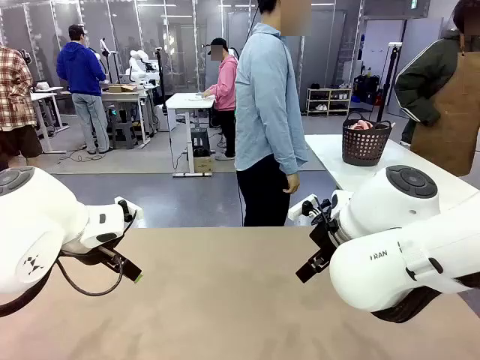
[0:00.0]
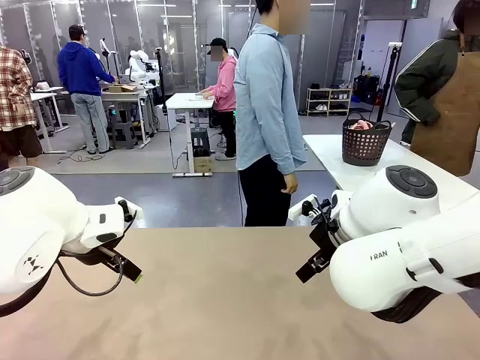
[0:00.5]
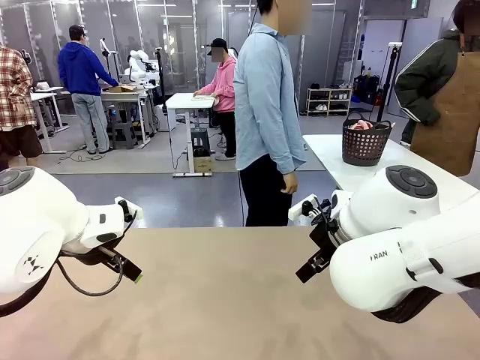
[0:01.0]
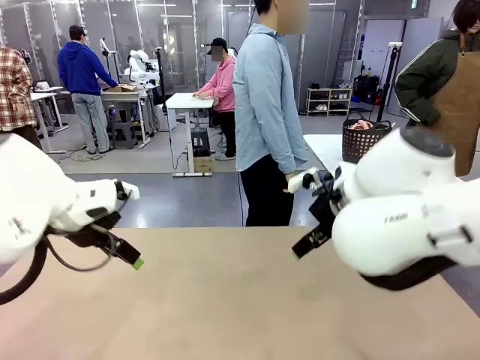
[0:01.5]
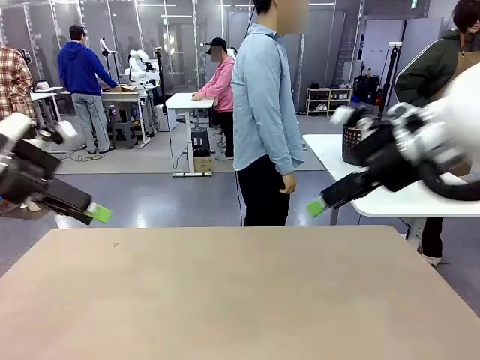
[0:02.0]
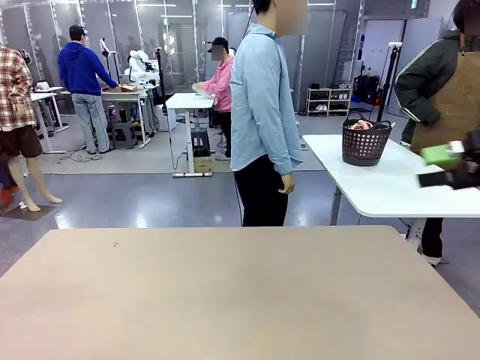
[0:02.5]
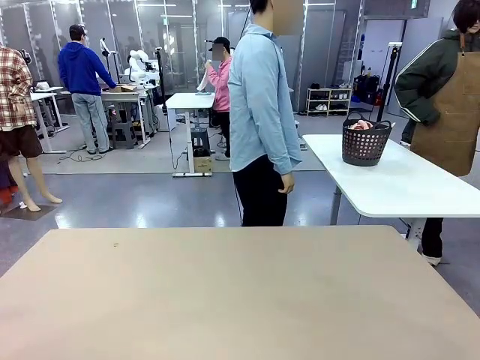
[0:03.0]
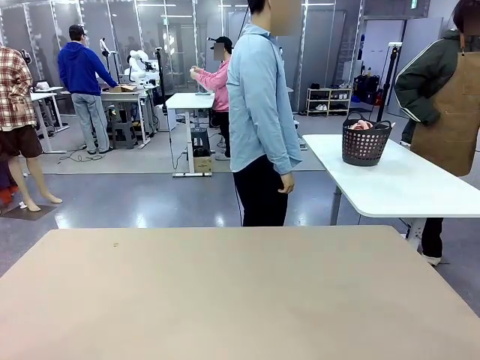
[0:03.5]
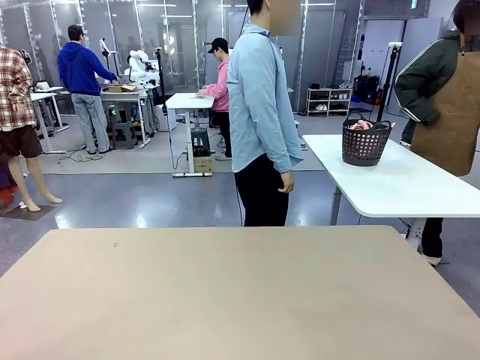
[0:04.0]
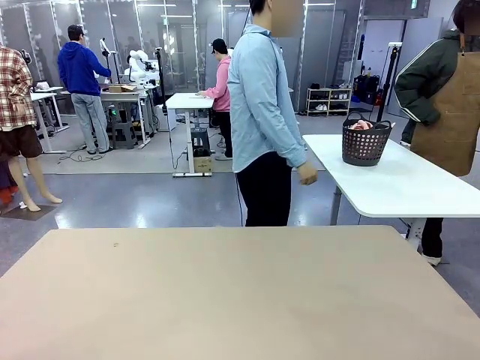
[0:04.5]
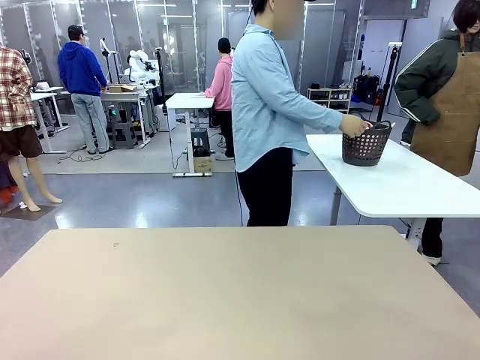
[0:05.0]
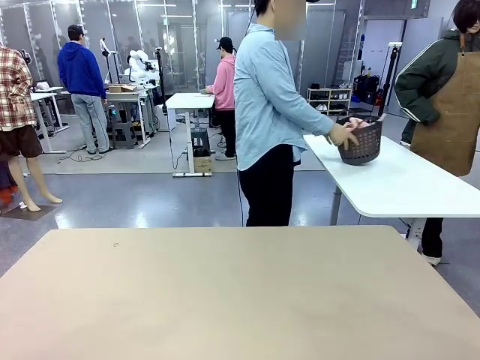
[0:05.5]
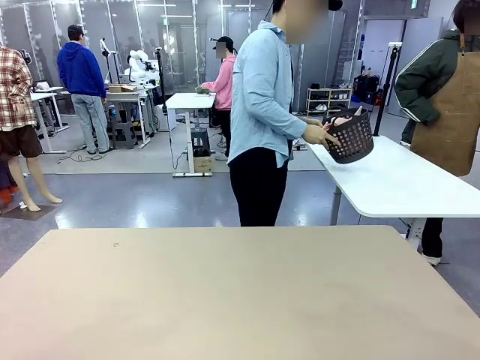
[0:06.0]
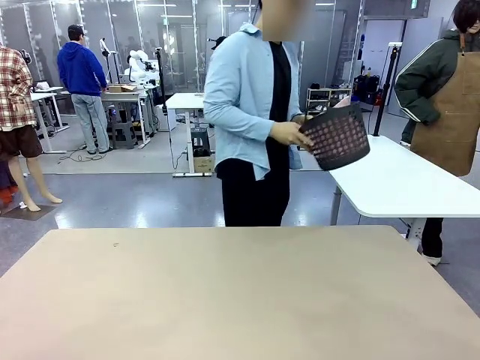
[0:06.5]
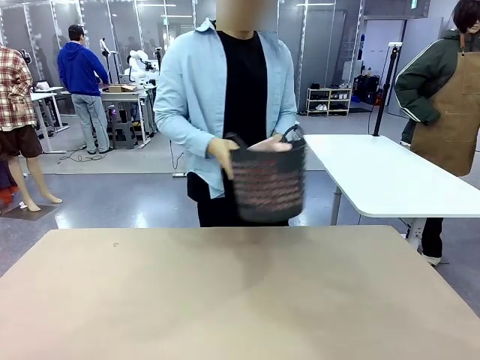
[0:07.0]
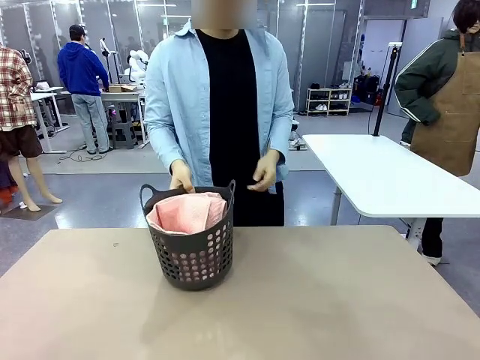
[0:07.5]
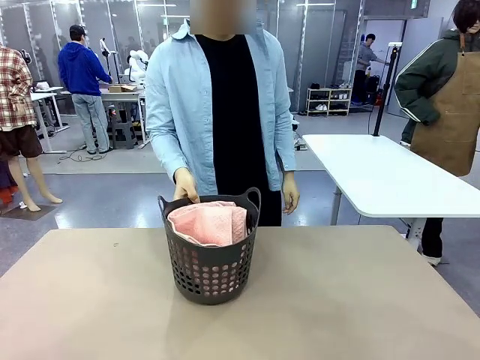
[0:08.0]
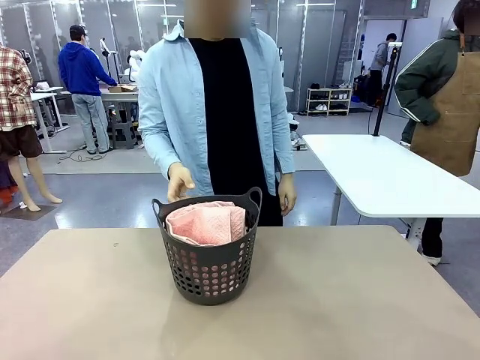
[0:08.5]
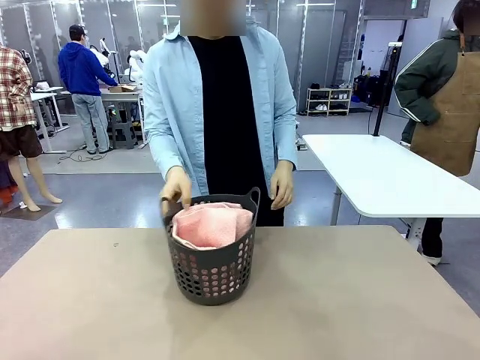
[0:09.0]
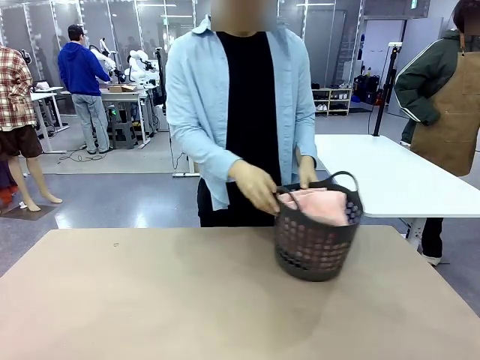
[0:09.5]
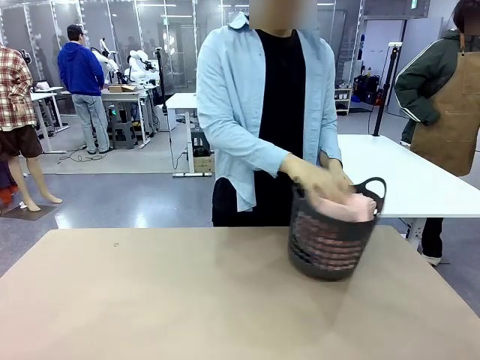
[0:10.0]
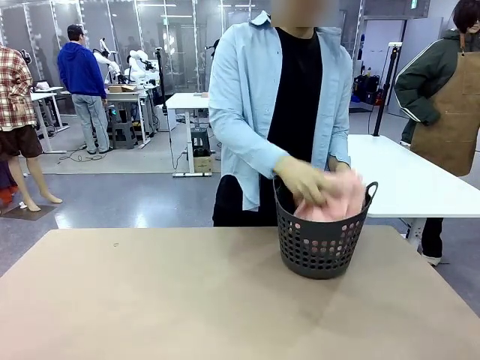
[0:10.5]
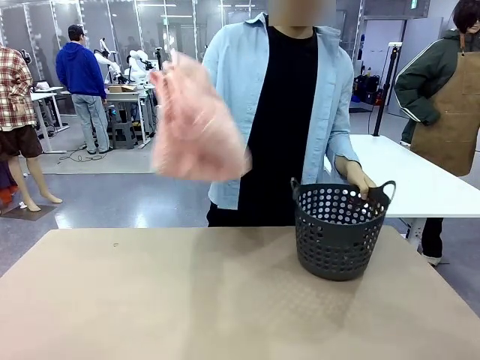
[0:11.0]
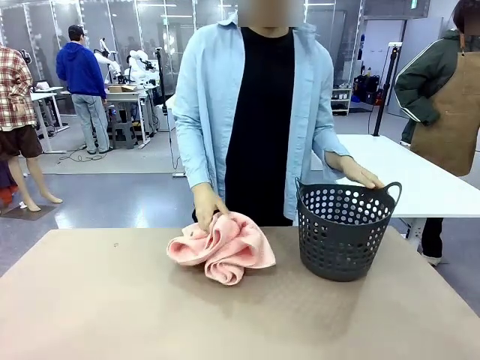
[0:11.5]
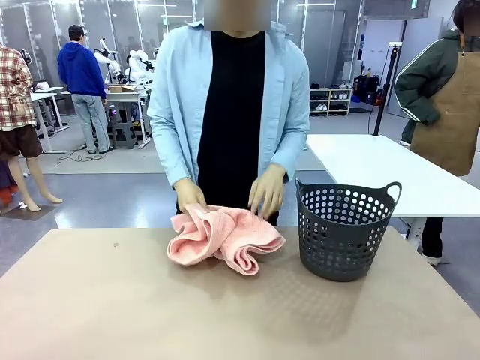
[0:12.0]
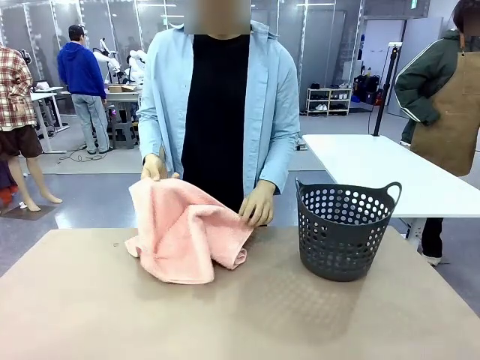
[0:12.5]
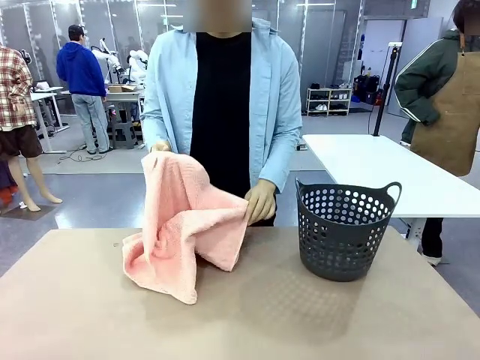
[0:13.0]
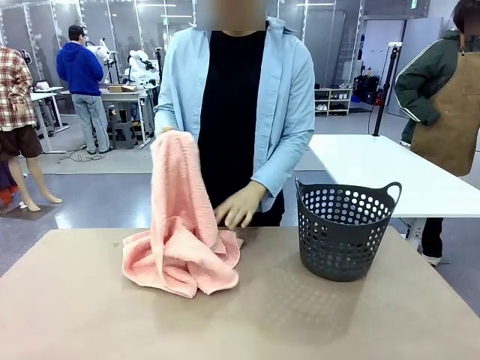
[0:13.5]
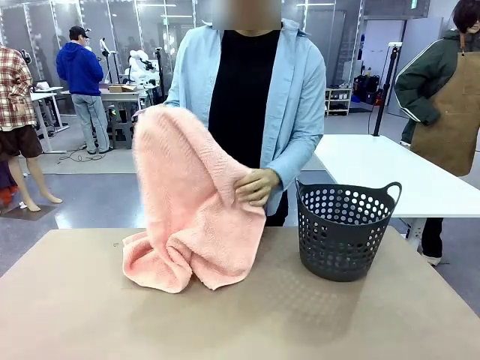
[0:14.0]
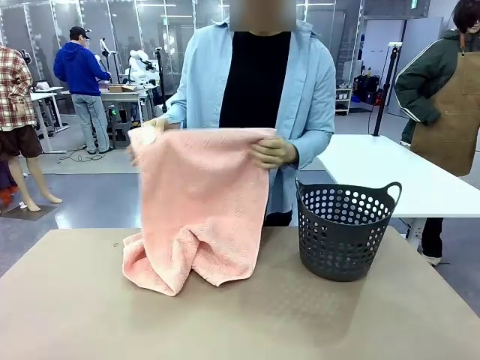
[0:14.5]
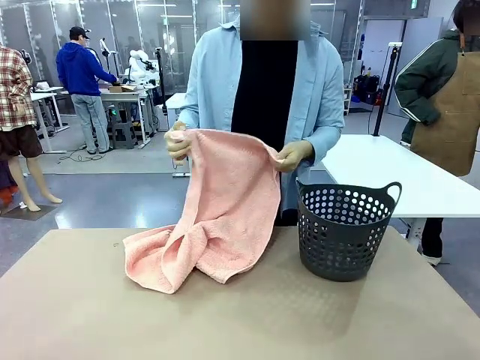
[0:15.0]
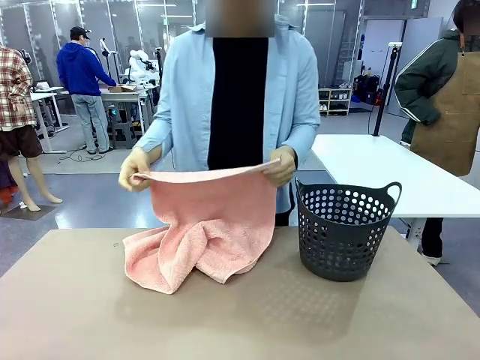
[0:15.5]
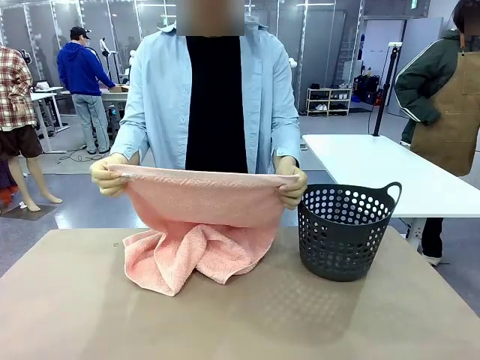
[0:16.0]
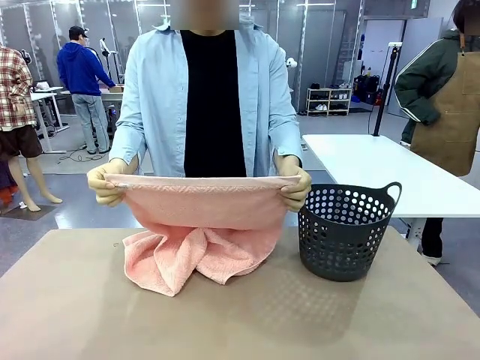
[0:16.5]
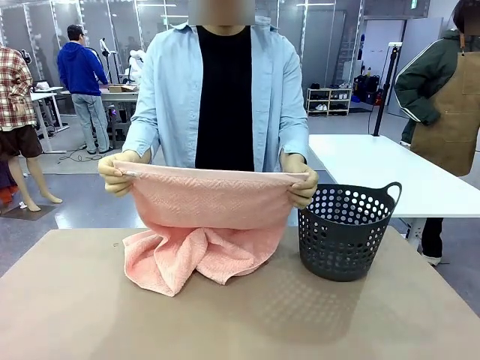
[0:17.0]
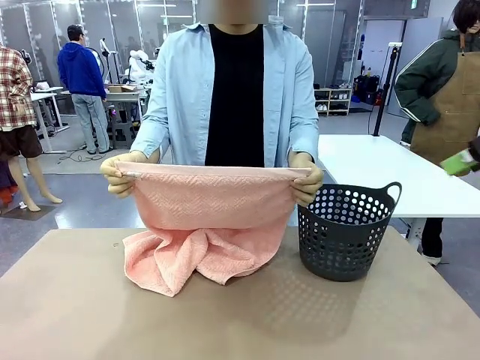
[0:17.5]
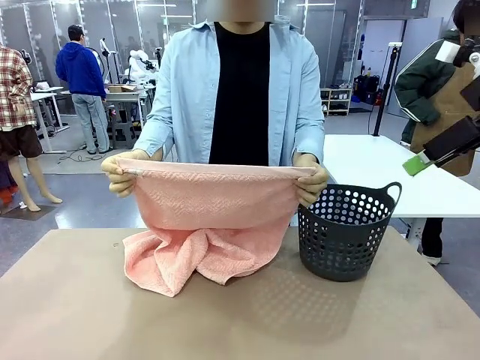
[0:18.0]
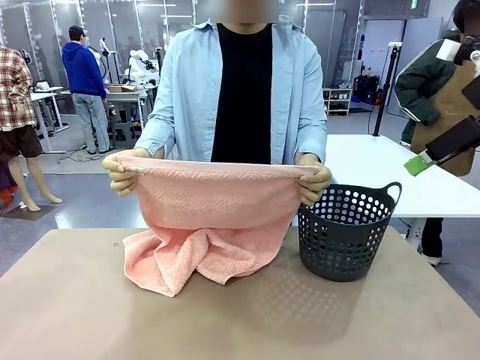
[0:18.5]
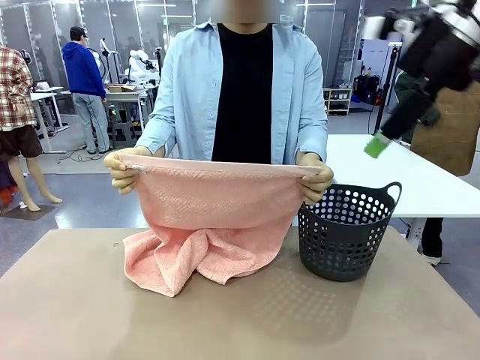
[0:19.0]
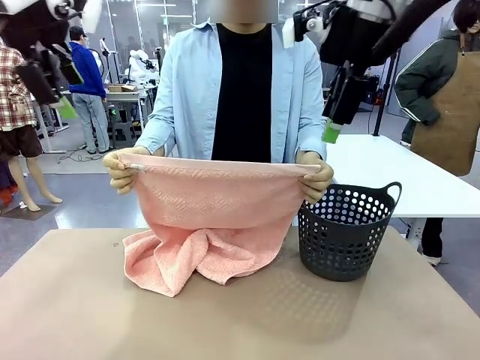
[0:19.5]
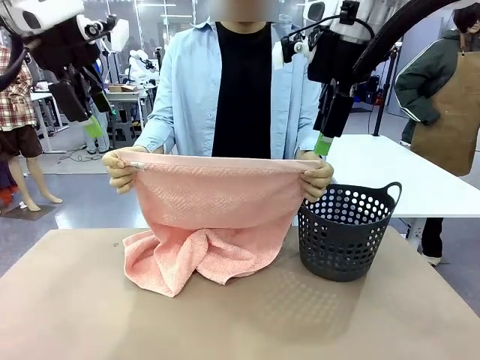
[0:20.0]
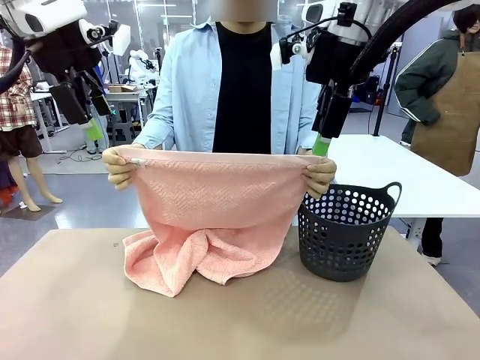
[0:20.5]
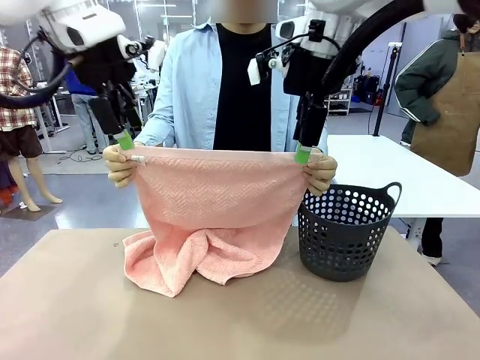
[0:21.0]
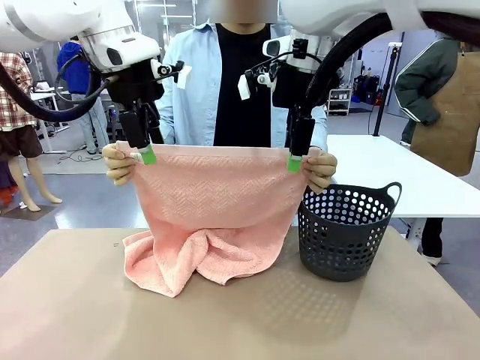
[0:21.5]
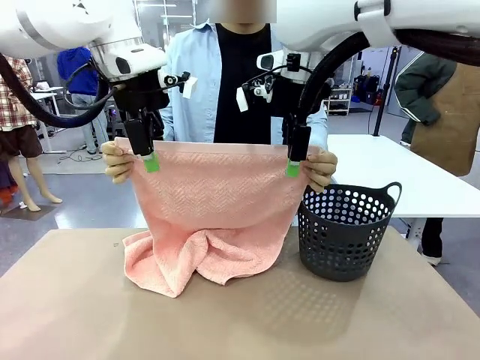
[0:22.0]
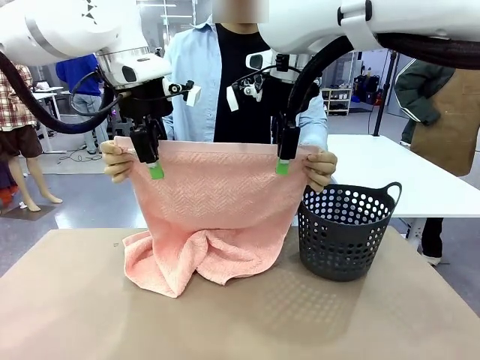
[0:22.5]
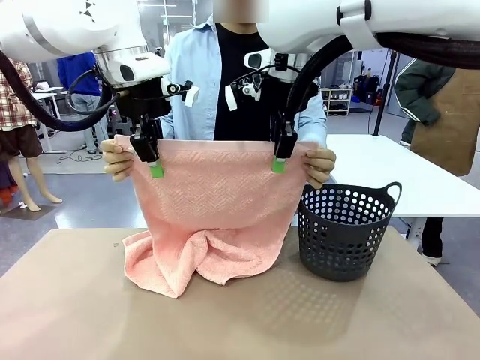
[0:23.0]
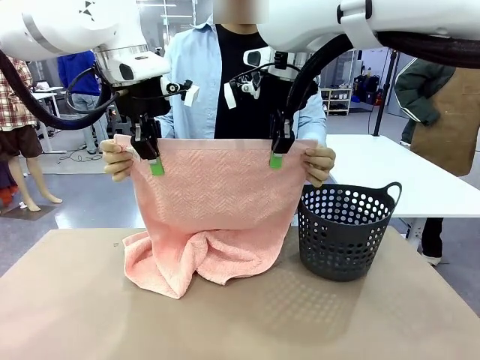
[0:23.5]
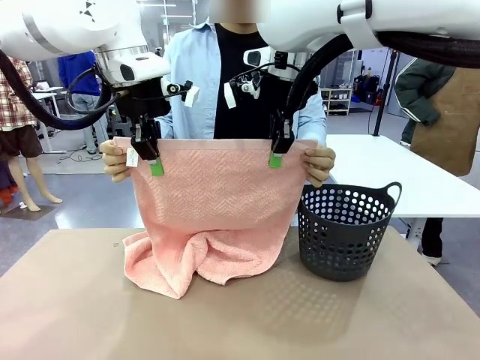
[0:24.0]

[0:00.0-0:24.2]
Task: Fold the towel.
Robot: Grab the top end of the 100 cm Hotel Towel extended by the human.
Person: Pick up the laundry basket, place it on the left side of the robot table, then take out a towel and hand it to the robot while holding both corners of one end.
